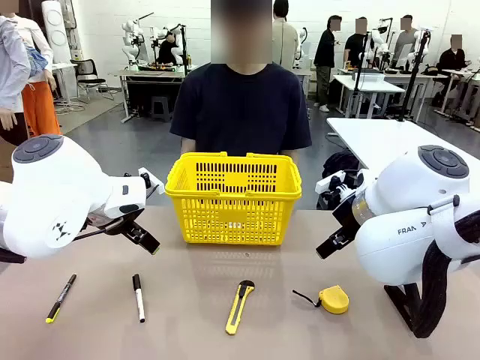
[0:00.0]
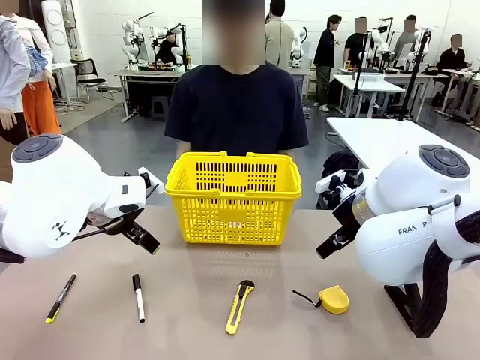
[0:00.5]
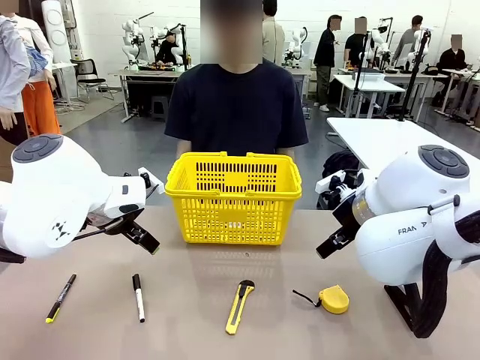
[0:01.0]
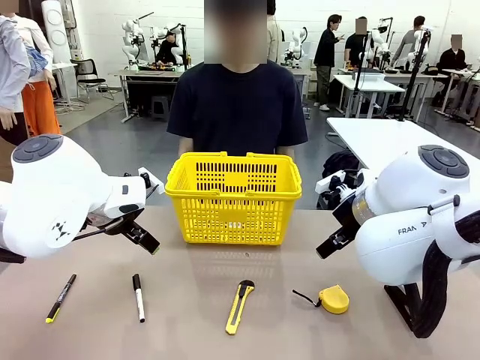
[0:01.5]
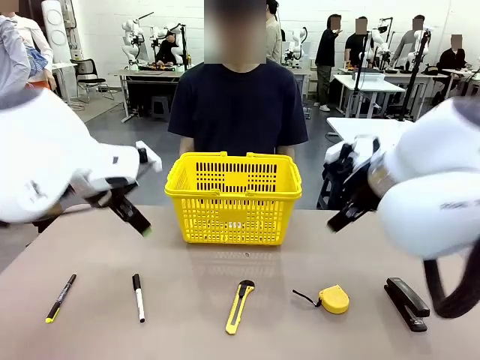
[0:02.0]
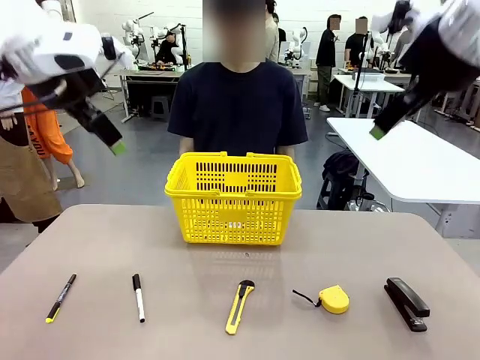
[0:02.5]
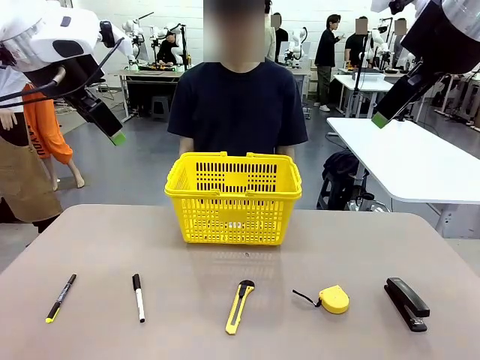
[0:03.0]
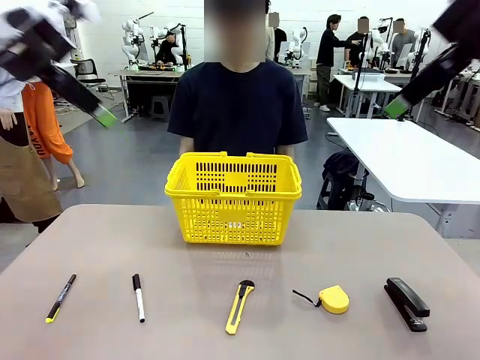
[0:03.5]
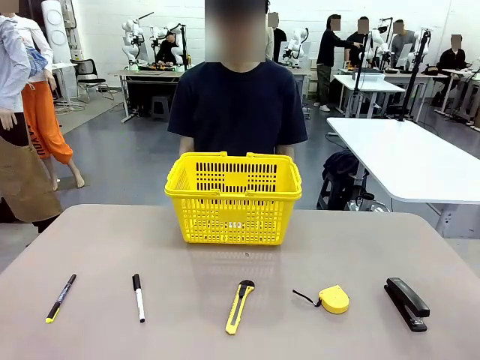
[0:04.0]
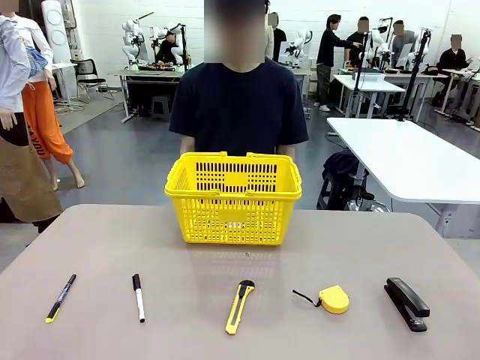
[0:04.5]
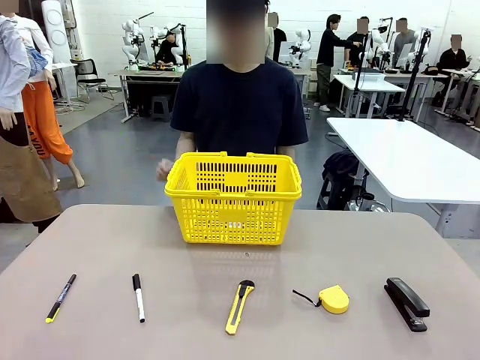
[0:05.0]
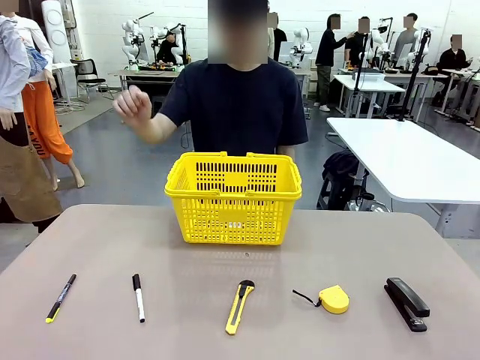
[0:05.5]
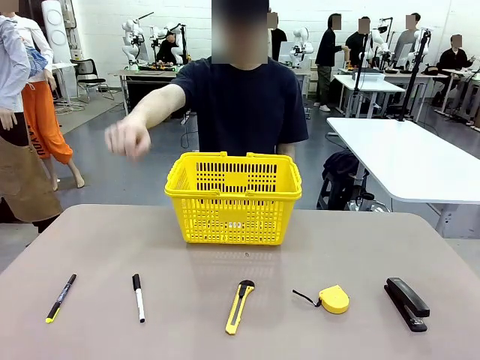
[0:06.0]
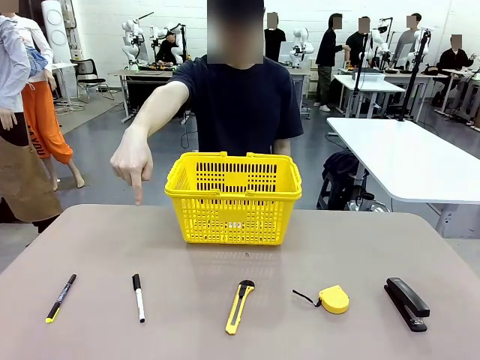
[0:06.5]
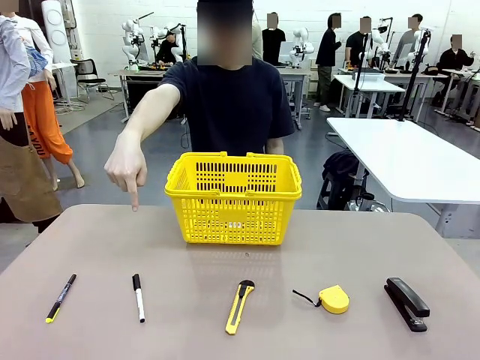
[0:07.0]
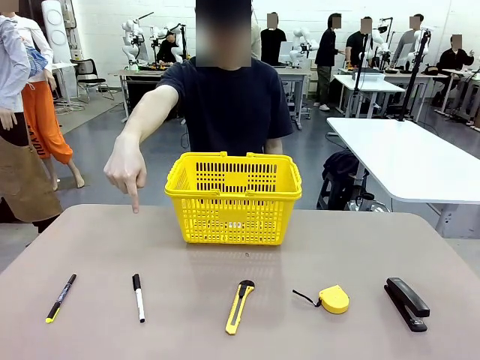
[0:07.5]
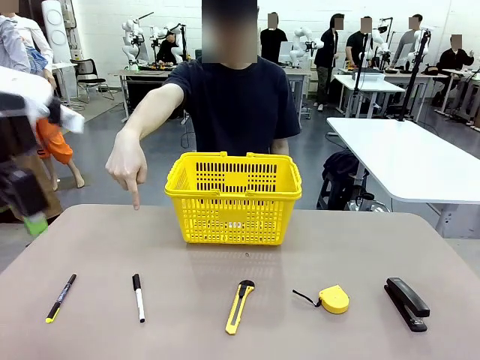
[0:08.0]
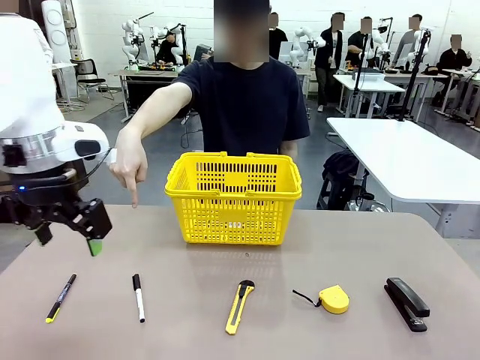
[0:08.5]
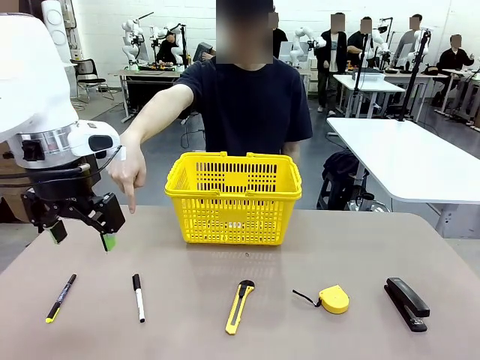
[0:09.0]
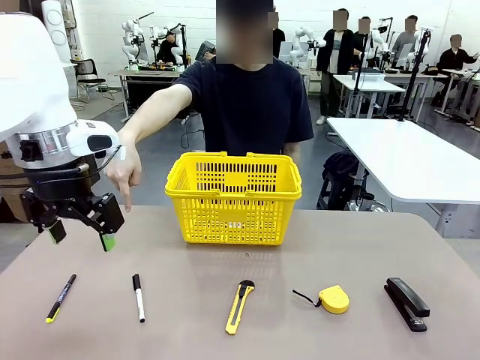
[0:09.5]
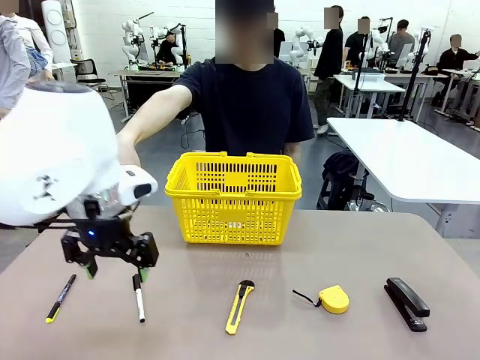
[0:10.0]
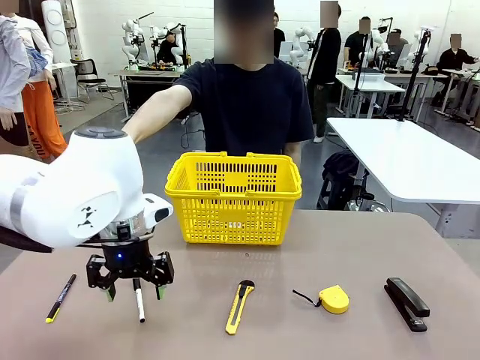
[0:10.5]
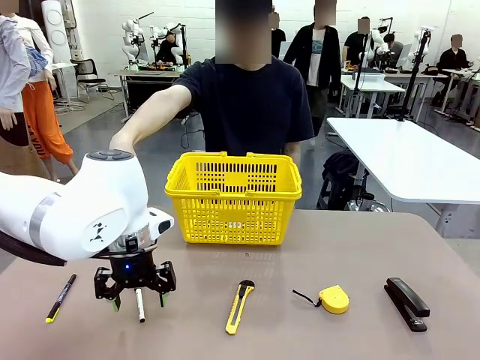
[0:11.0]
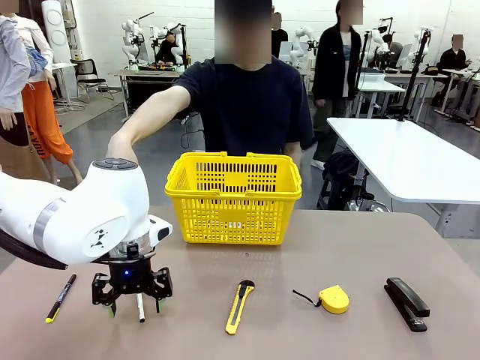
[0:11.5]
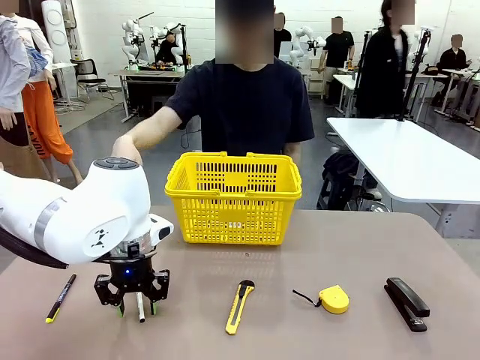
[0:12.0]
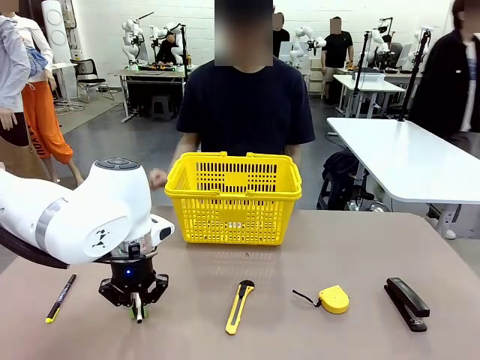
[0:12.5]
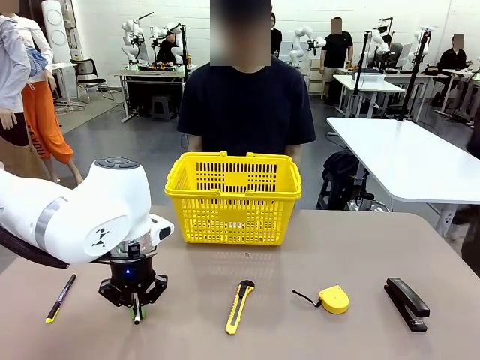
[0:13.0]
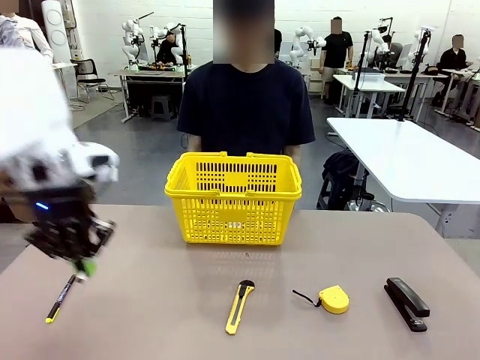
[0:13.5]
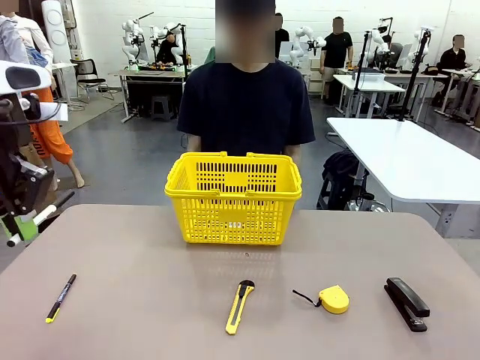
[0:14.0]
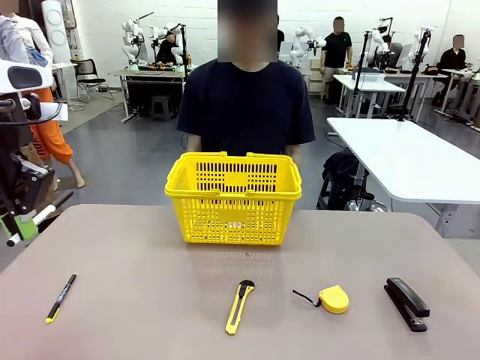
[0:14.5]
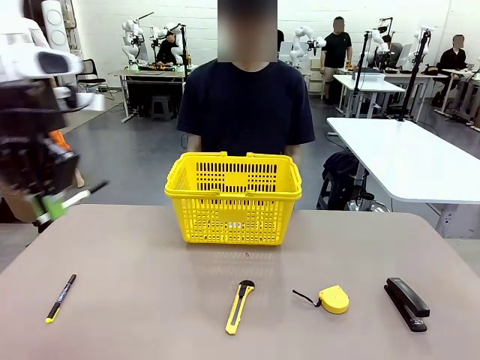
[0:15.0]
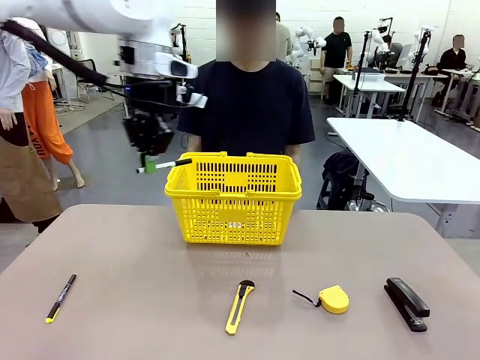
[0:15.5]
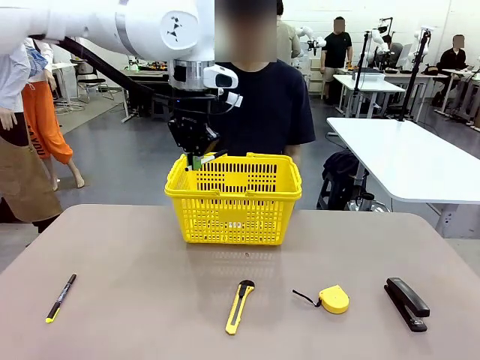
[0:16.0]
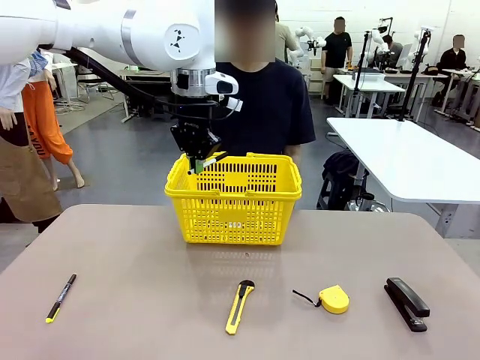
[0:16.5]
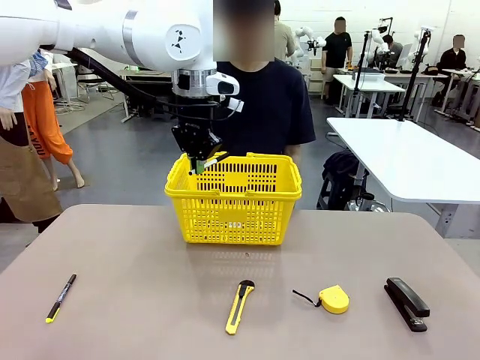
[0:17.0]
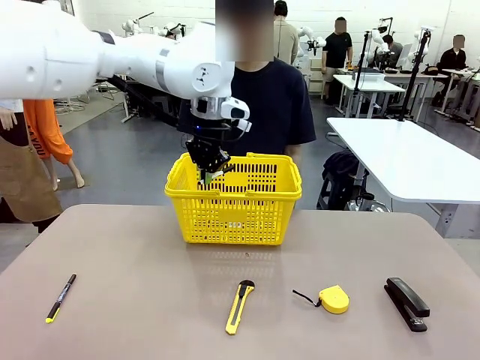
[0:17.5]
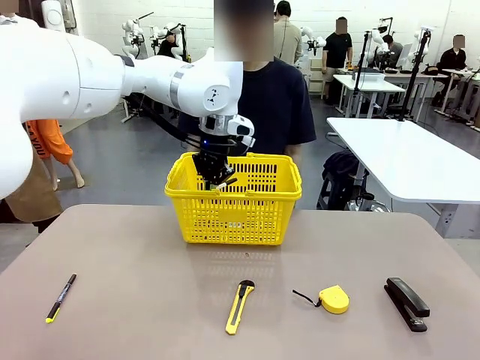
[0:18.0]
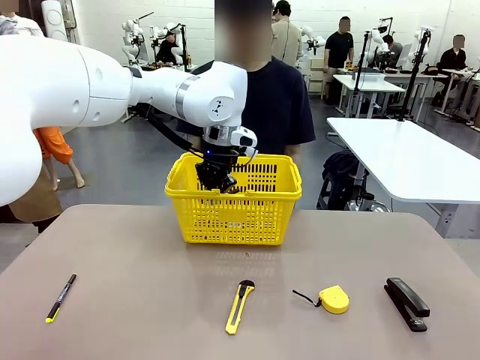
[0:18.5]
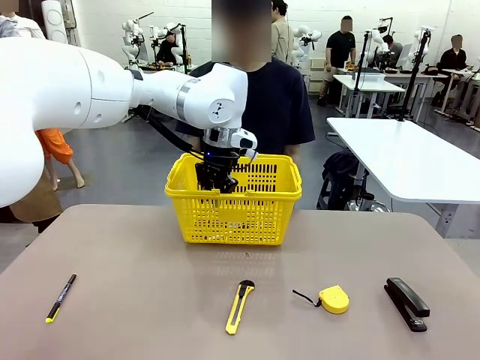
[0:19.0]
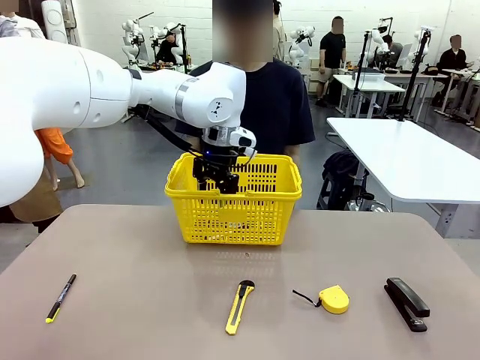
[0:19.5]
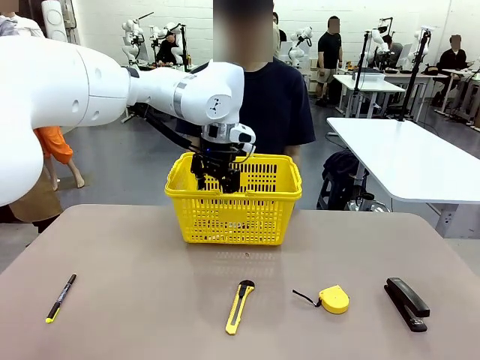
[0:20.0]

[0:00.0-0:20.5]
Task: Place the items the person wants into the basket.
Robot: Pick up the item the person points to and place it in the Market Basket.
